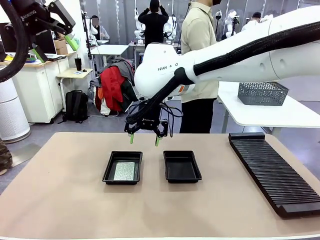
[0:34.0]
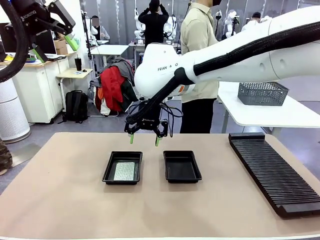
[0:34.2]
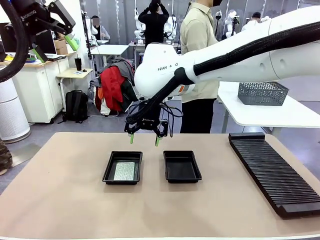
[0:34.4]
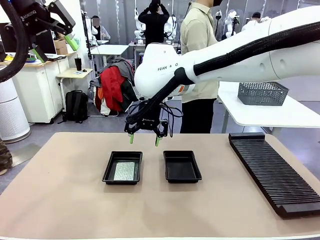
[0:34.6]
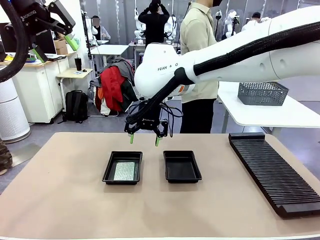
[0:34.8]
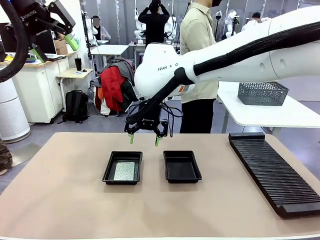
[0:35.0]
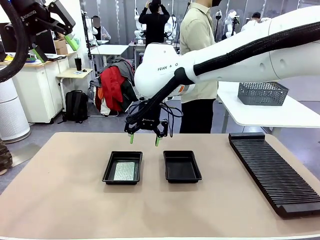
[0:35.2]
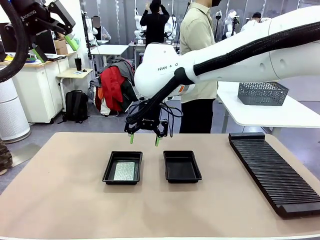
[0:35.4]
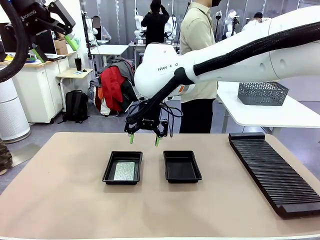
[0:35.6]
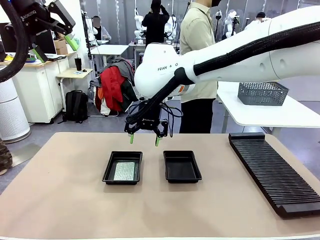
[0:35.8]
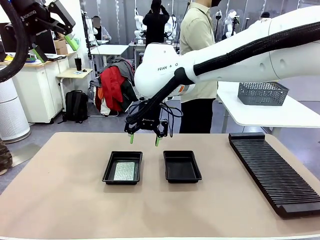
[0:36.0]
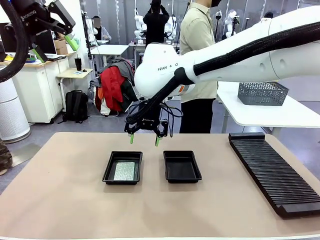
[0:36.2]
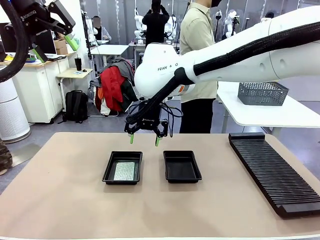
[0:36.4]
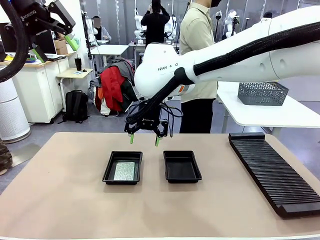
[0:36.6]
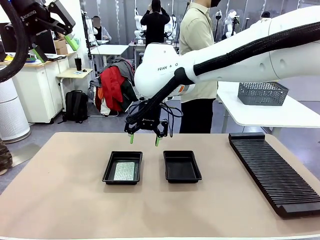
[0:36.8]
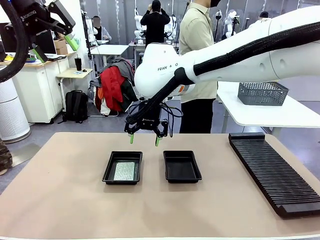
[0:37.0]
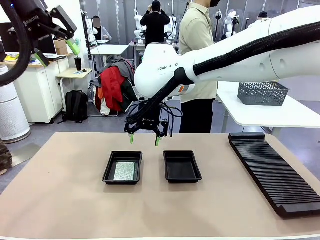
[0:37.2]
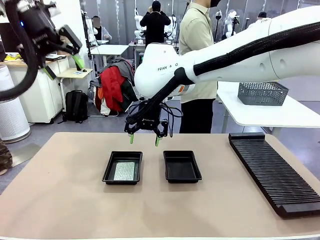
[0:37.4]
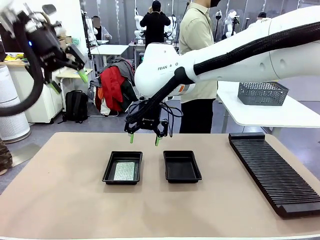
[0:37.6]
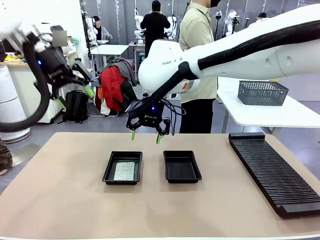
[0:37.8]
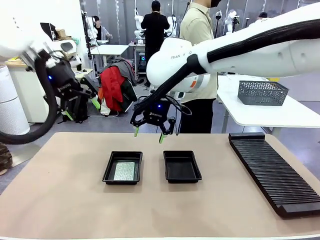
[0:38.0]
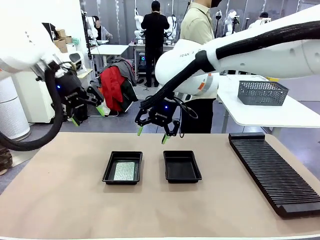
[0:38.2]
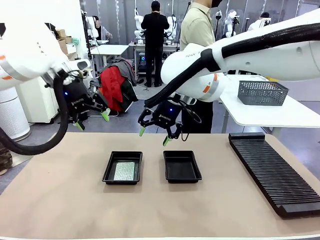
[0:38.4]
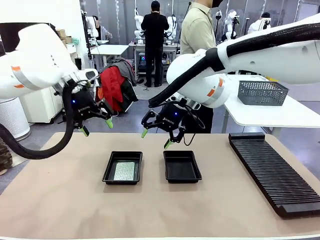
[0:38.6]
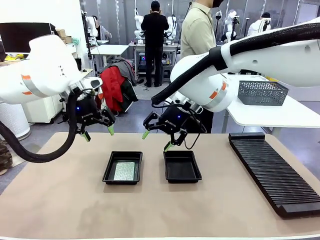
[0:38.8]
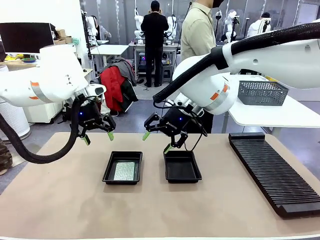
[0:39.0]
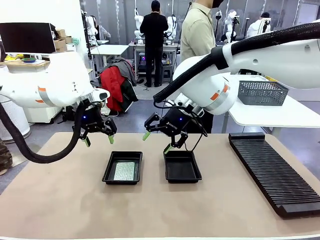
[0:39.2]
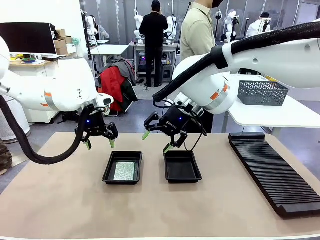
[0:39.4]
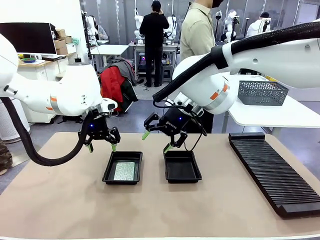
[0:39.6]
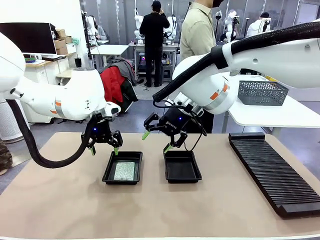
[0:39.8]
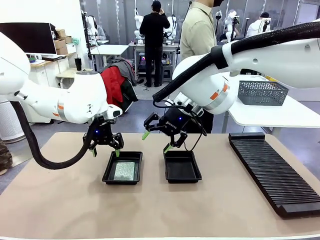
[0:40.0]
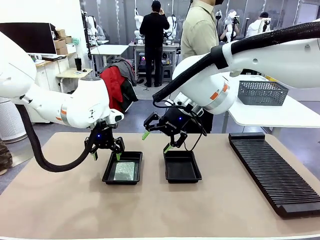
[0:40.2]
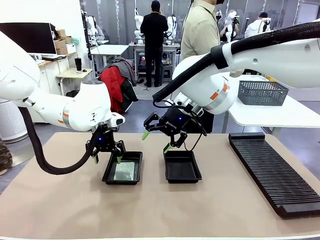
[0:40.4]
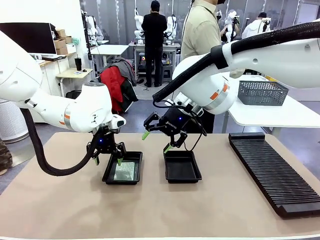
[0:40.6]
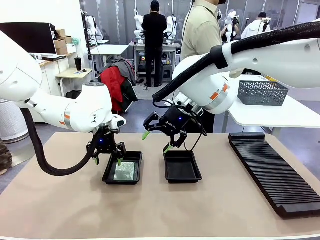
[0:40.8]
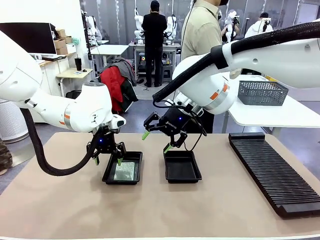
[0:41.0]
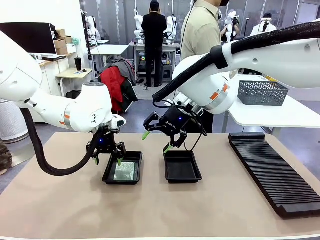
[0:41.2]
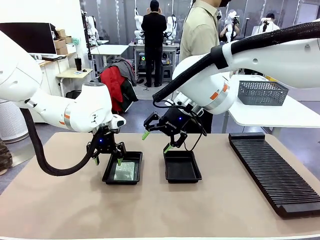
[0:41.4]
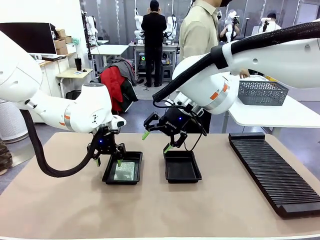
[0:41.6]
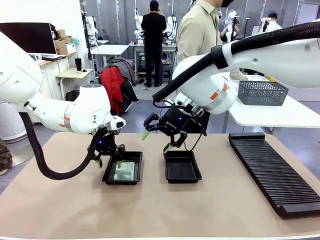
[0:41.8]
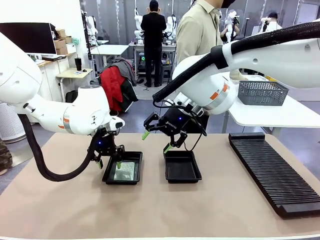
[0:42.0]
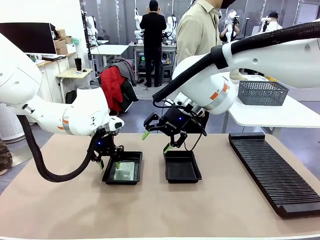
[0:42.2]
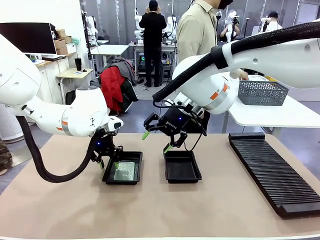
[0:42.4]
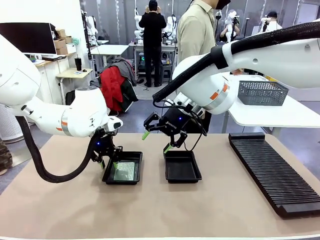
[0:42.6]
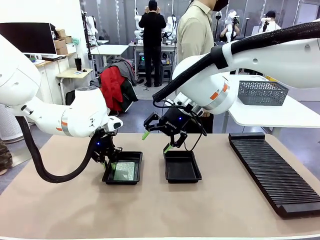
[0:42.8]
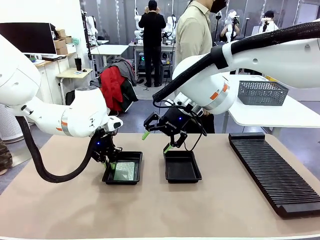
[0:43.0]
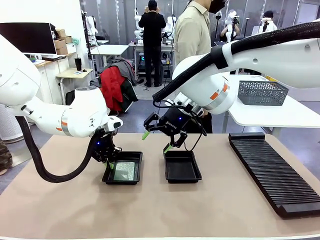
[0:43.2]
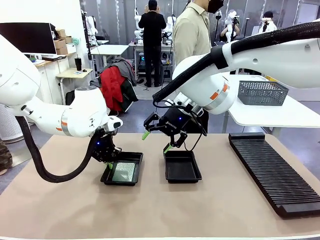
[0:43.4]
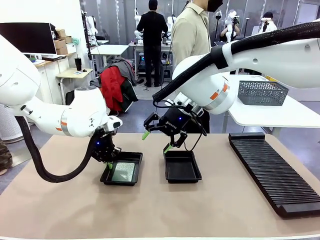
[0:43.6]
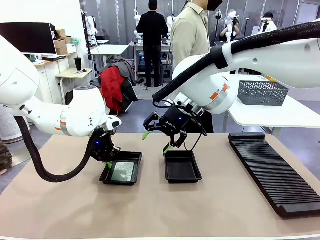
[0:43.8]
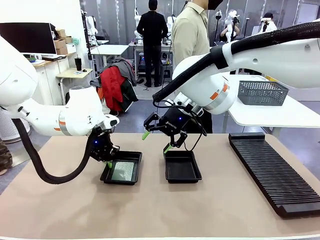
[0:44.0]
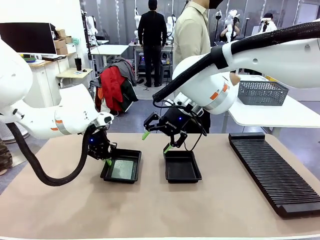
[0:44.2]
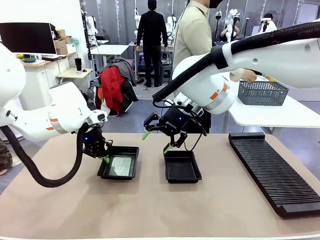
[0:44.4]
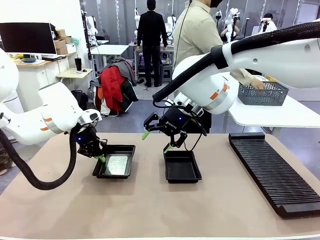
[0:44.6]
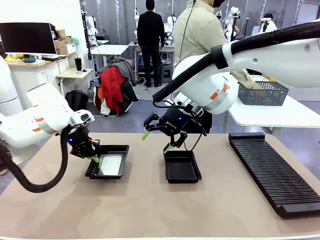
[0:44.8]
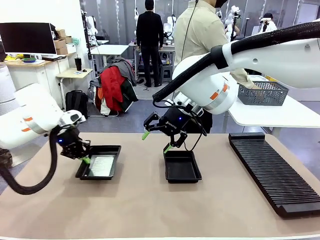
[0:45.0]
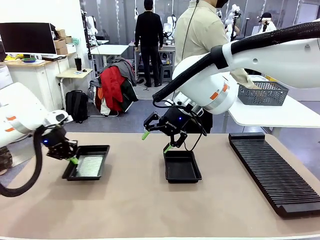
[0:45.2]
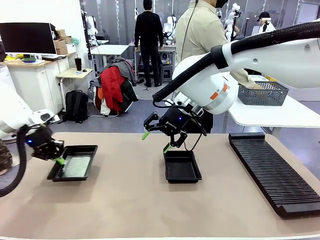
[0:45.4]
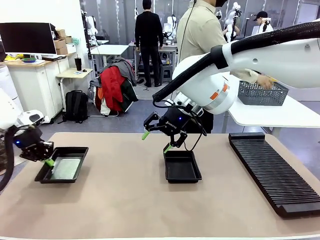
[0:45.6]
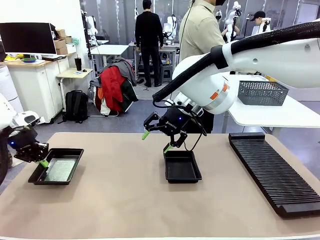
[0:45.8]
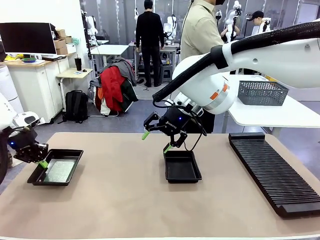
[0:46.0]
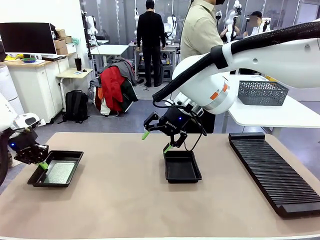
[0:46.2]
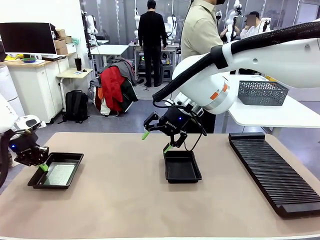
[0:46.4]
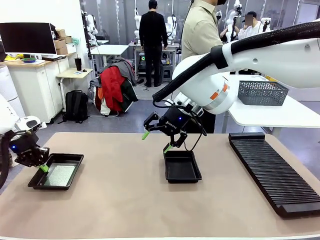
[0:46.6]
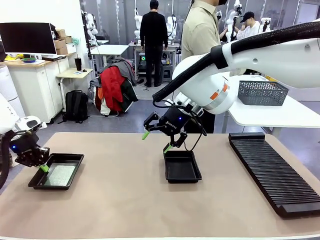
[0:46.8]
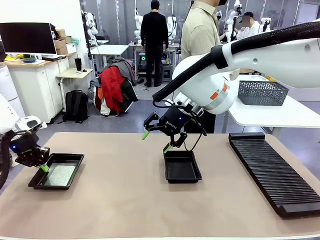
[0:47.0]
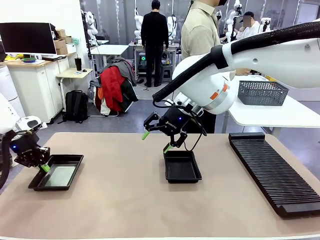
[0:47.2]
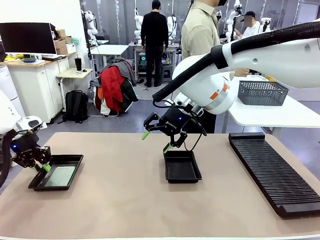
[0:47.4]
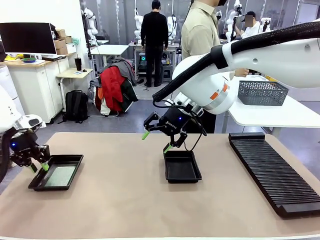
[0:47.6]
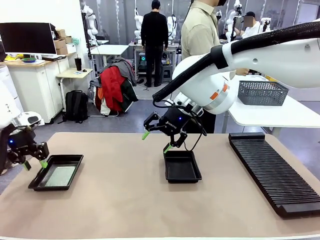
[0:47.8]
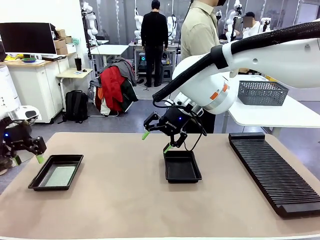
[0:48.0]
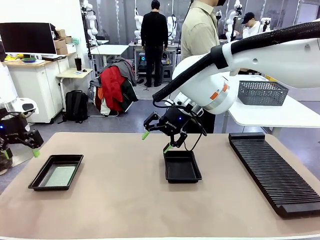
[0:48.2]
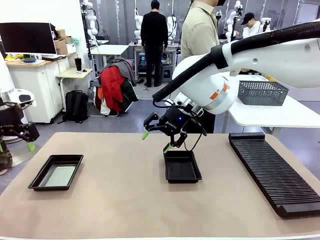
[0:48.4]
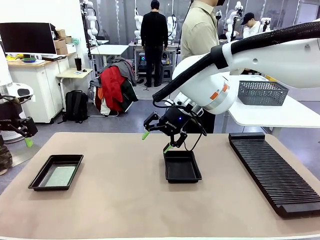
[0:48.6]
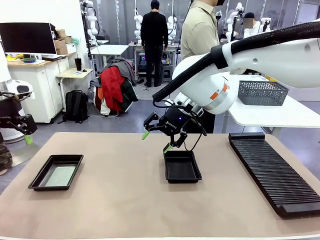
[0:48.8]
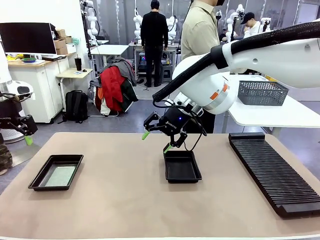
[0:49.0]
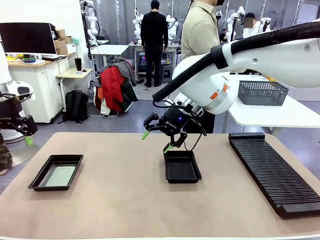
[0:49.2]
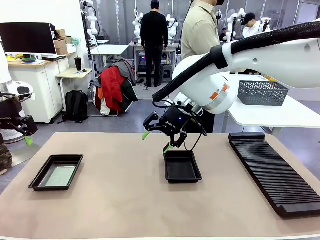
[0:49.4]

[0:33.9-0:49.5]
Task: Inspect and transfer BCBs to ESD trays.
Robot: Pick up the ESD tray and place it on the left side of the table.
